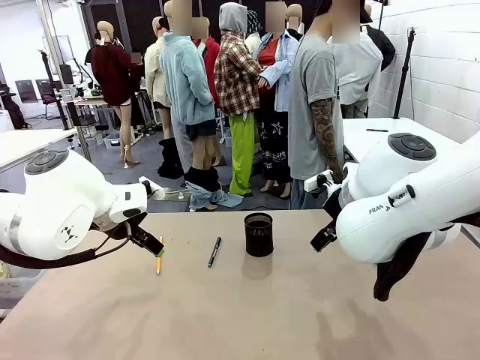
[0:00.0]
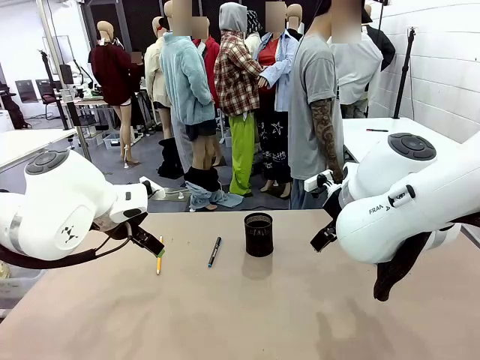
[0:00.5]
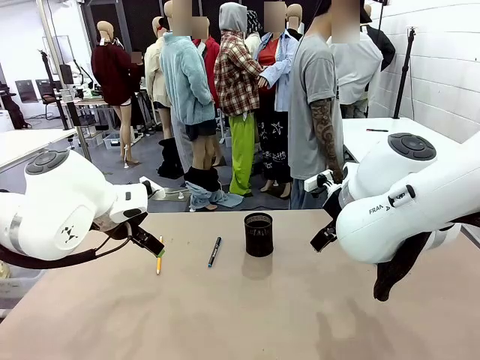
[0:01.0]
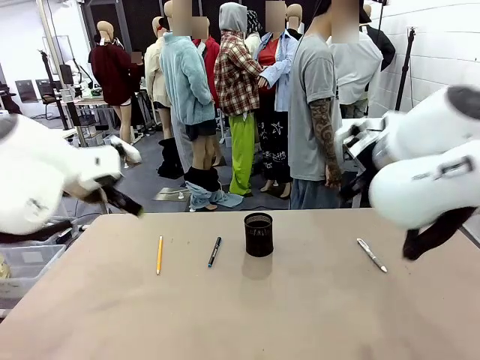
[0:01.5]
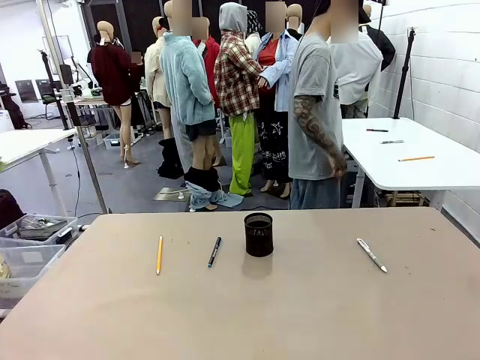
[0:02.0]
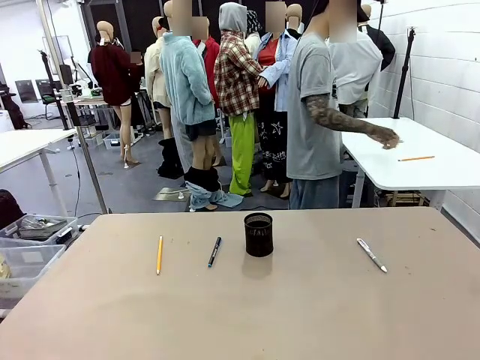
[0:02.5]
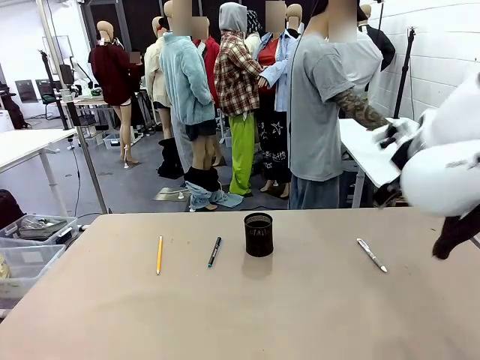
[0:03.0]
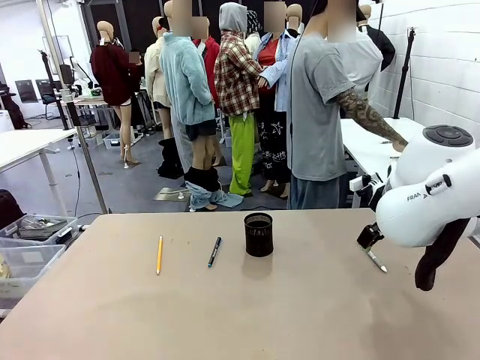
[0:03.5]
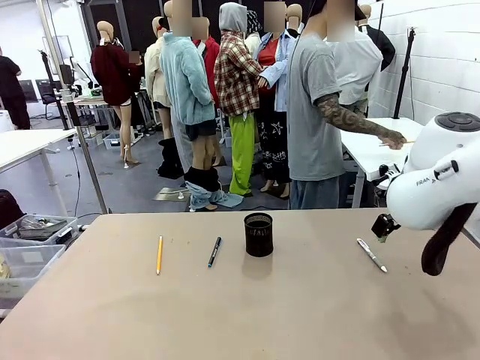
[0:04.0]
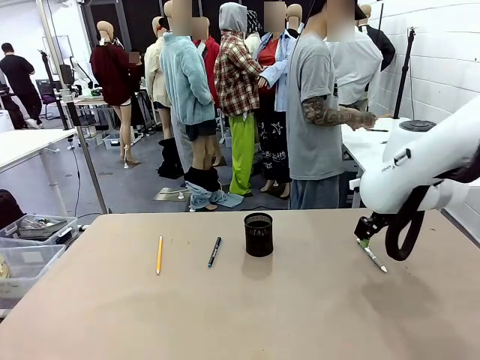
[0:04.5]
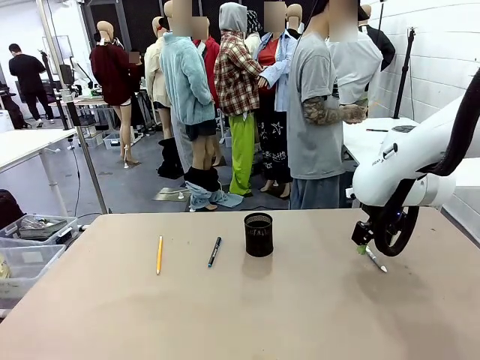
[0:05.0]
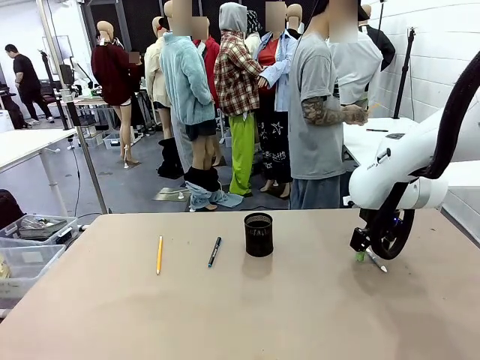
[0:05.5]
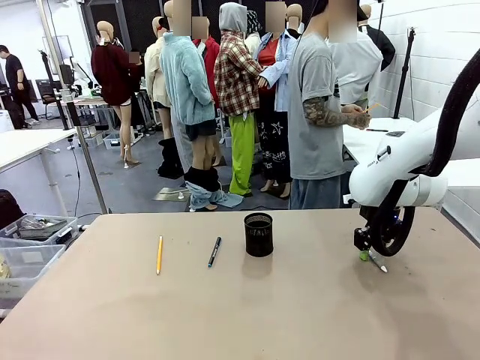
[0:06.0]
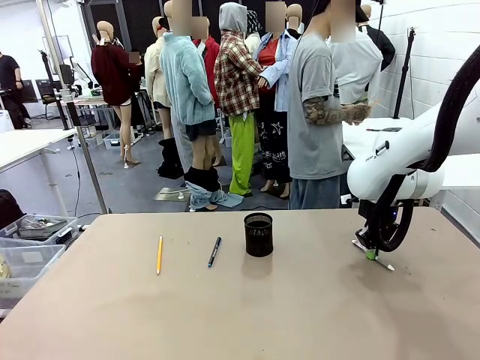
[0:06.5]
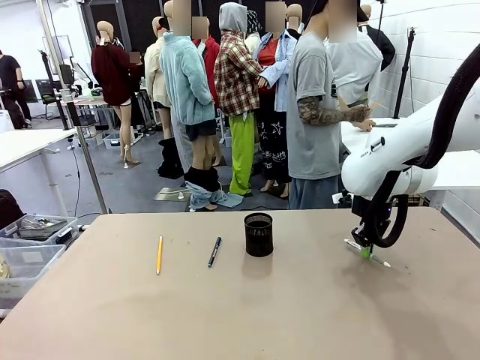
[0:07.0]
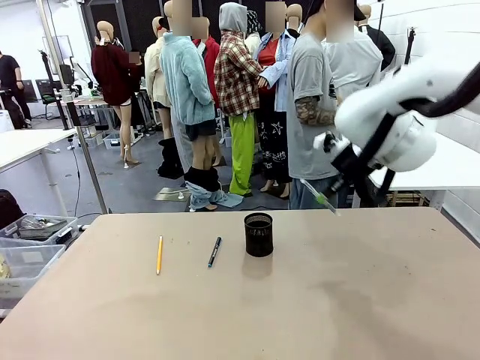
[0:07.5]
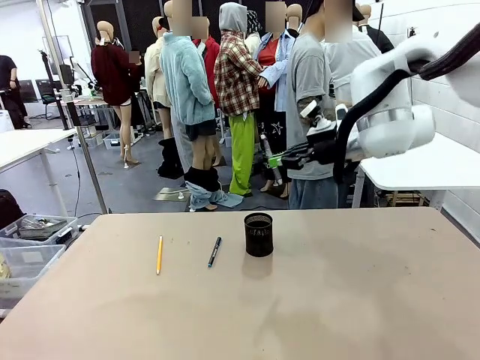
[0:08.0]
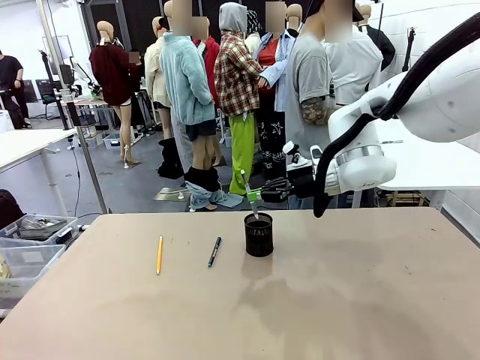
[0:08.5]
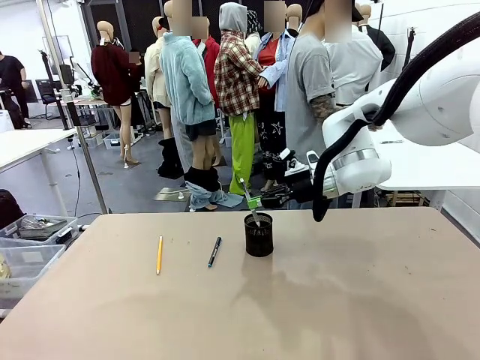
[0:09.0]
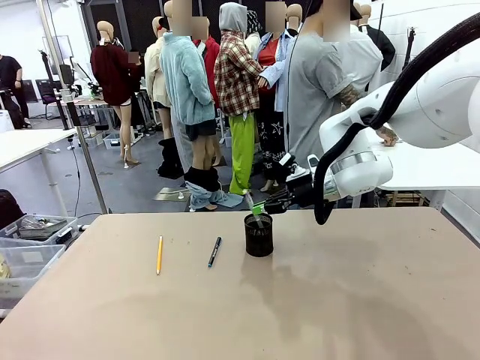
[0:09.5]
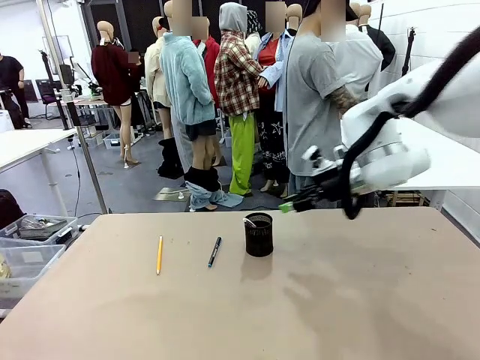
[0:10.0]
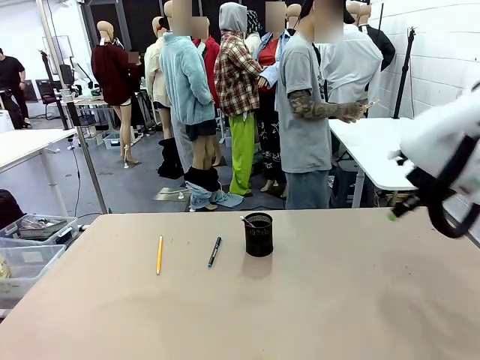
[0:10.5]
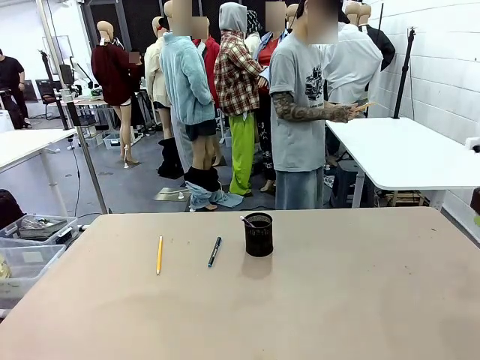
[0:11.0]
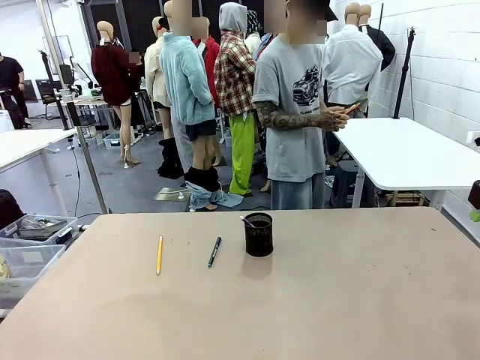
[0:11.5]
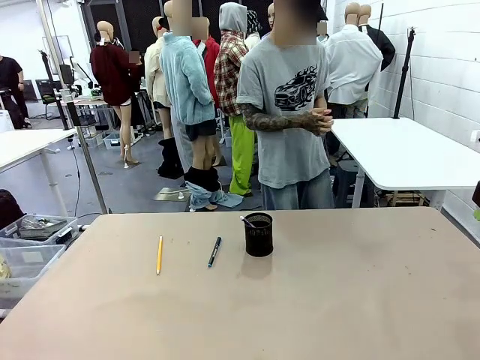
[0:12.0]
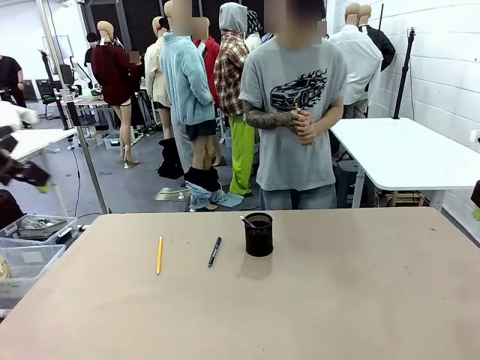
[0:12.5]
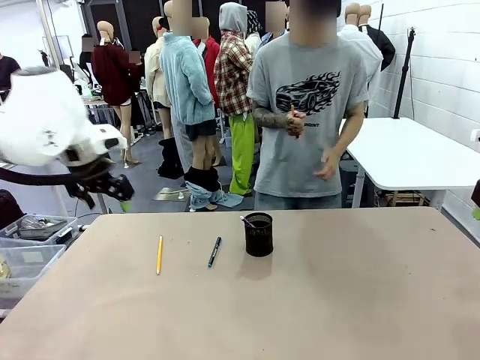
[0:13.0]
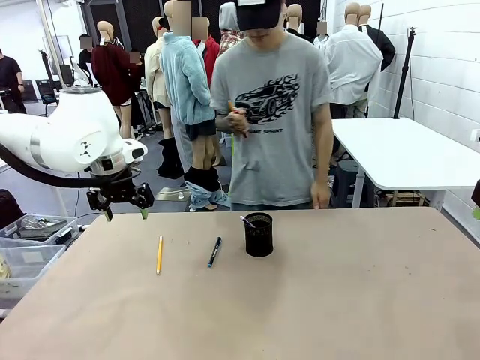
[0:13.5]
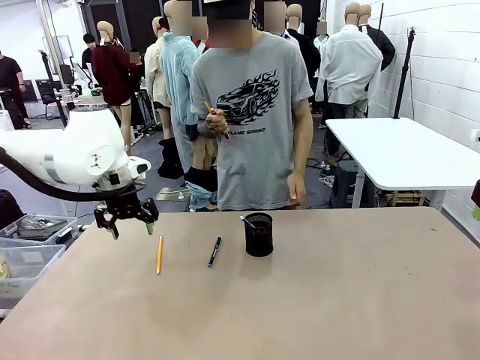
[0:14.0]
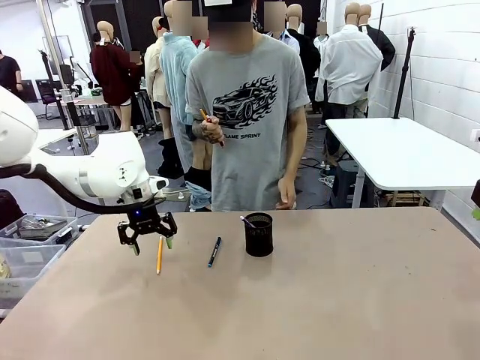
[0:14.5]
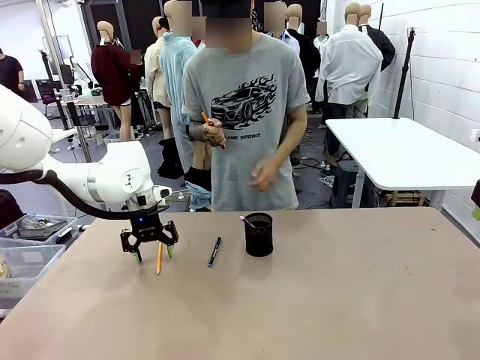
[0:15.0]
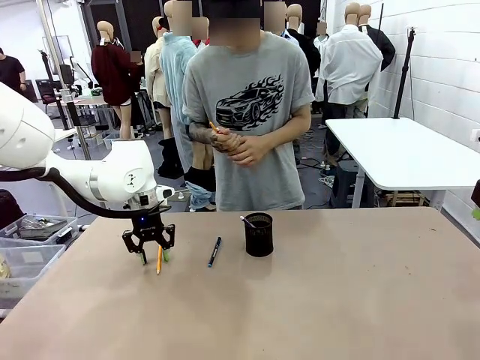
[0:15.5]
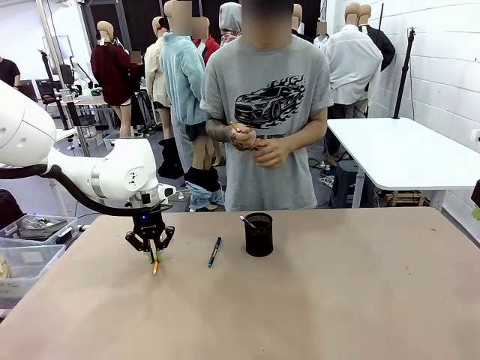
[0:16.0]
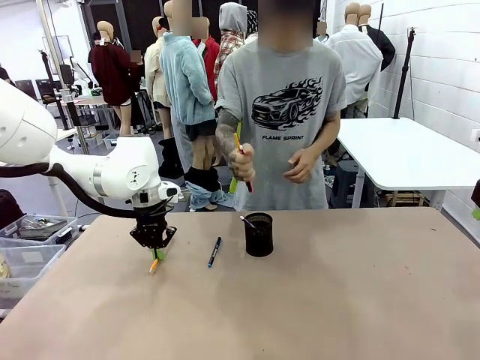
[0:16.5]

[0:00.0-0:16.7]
Task: Place the pens into the pen holder.
Robot: Pick up a writing instrument from the table and place it into the Pen holder.
Person: Pick up all writing instruments from the Human table.

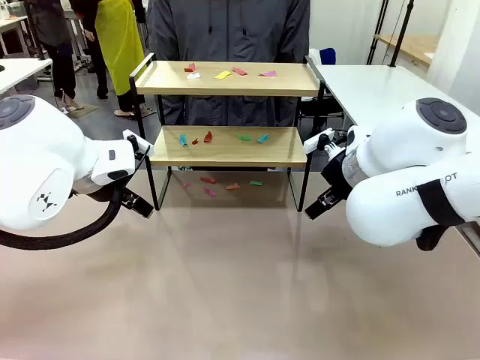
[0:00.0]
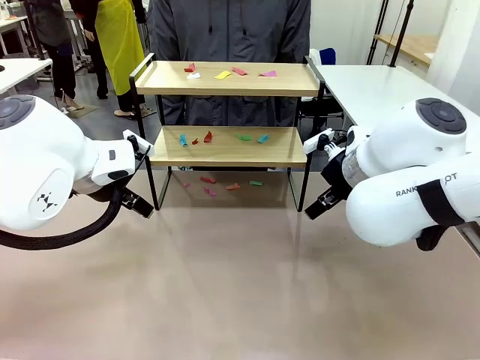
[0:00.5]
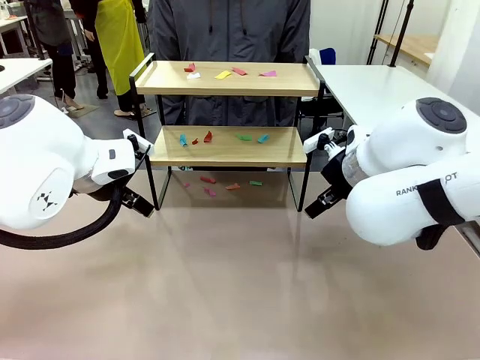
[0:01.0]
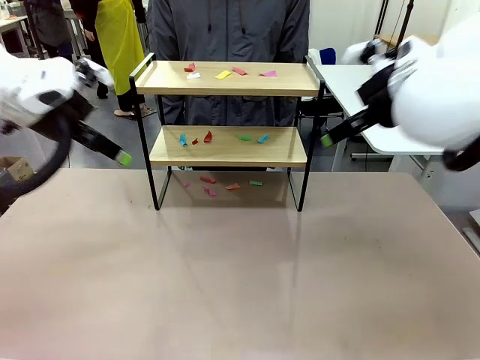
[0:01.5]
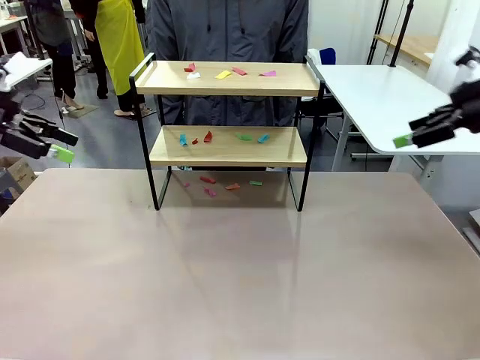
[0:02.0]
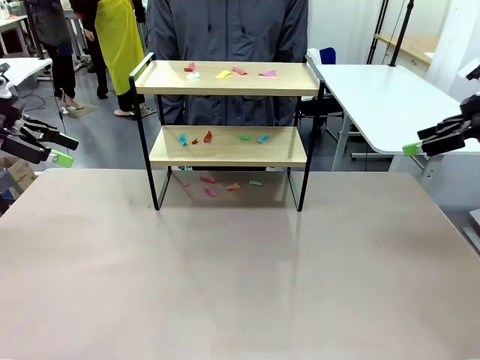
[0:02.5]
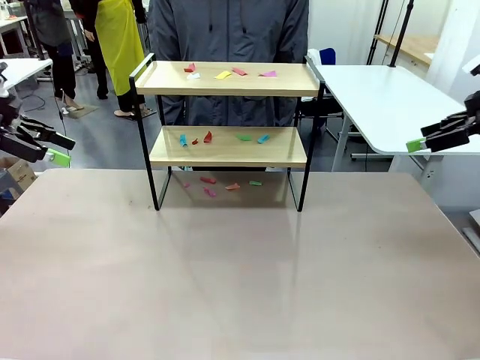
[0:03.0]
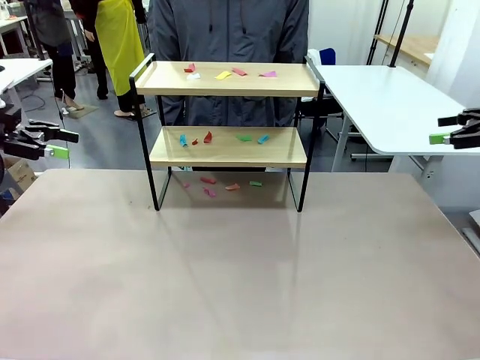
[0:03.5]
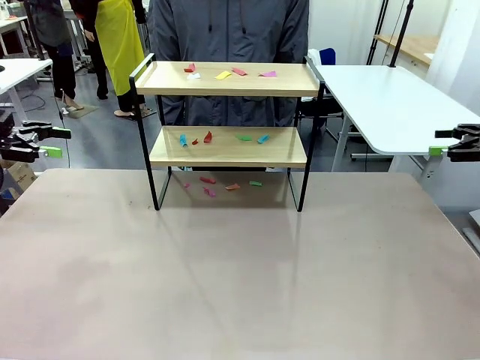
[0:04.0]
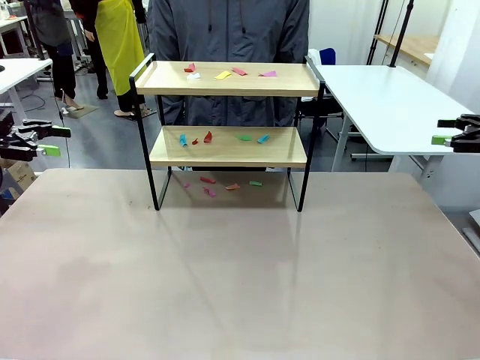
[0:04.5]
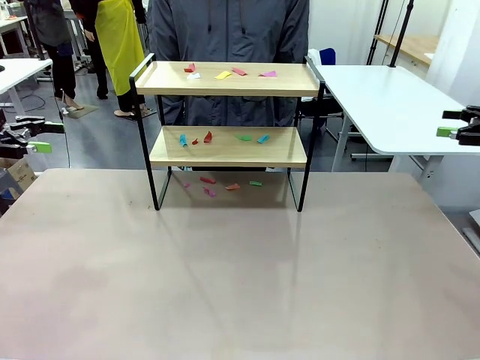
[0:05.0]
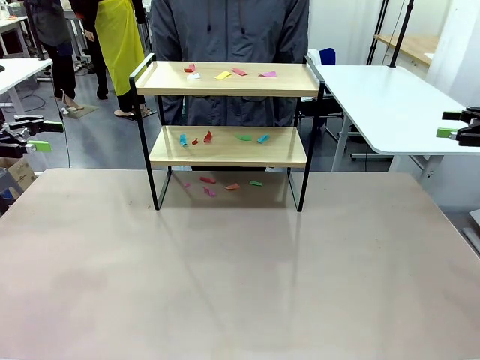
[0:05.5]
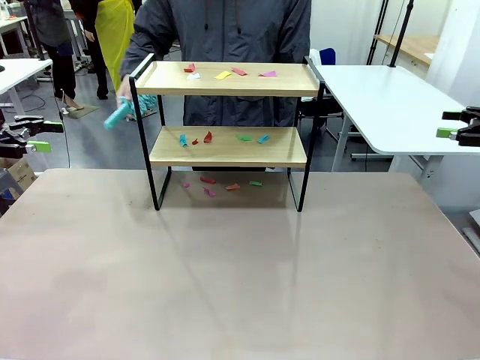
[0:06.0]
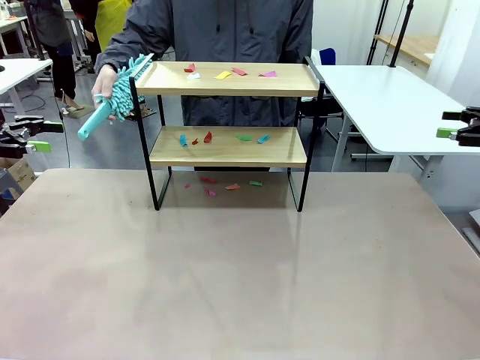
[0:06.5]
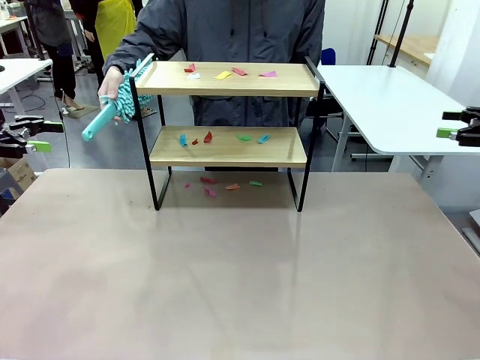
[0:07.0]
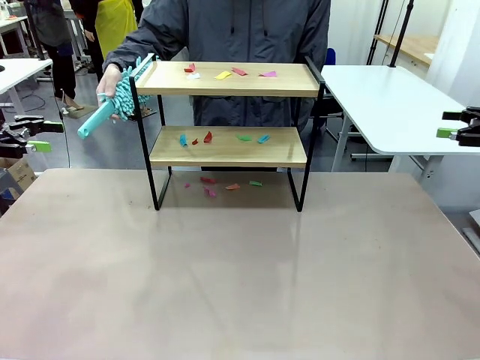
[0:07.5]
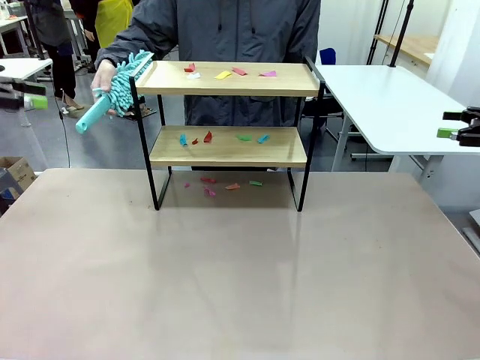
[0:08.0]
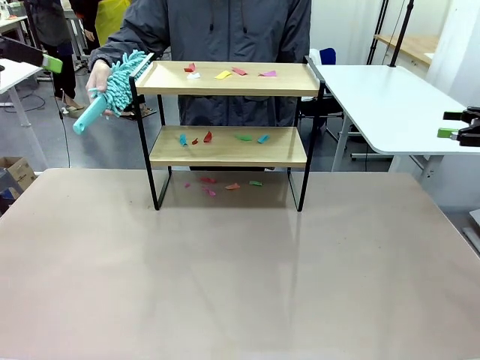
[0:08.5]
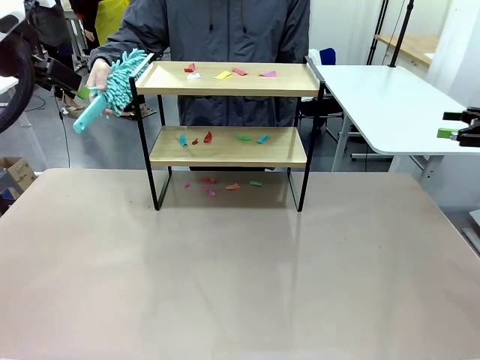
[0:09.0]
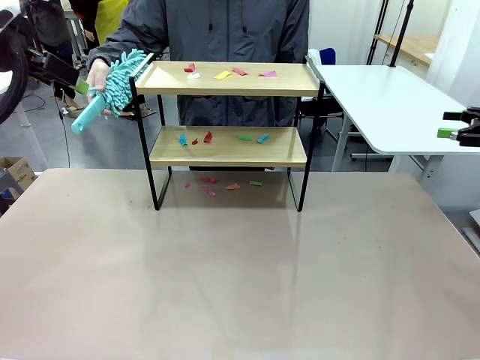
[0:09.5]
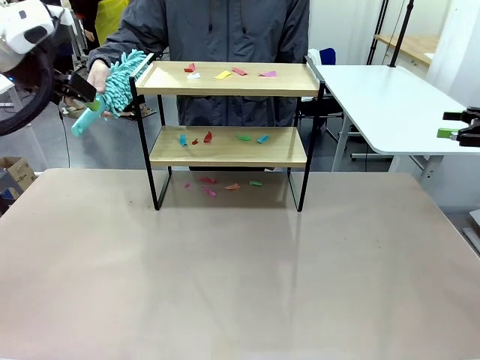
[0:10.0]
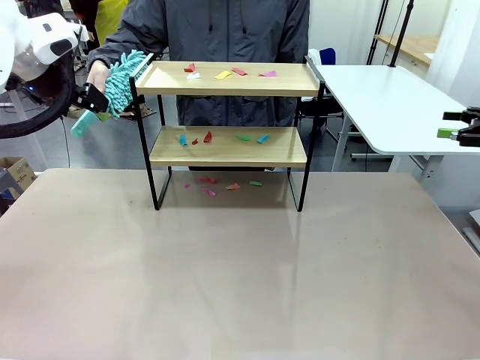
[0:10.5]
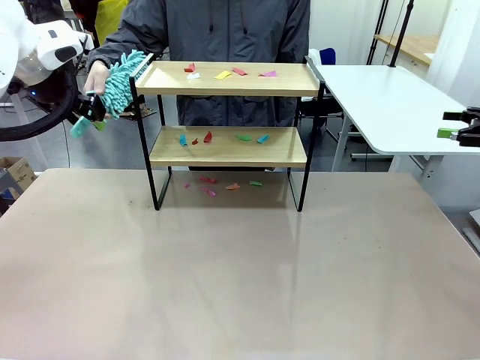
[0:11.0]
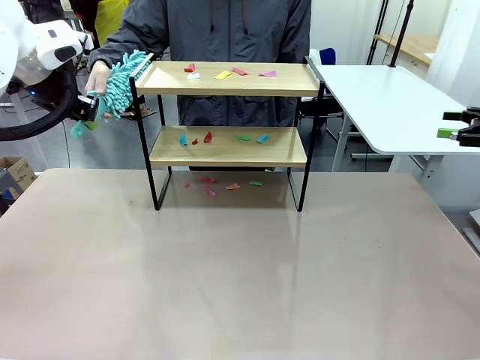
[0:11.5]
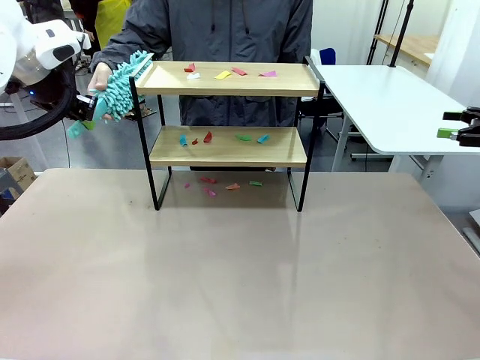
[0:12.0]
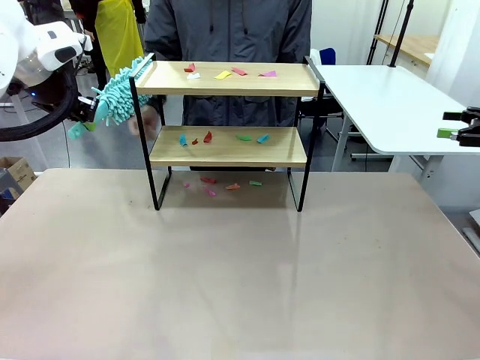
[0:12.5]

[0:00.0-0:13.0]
Task: Clean the shelf.
Robot: Pick up the Duster handed by the human.
Person: Hand the Duster to the robot.
